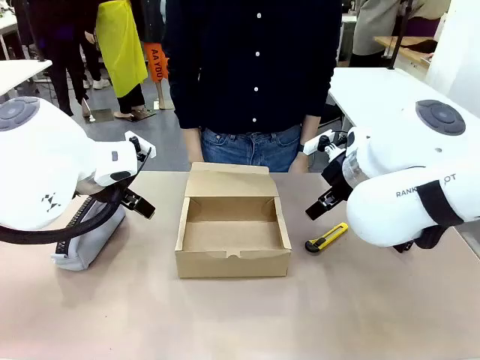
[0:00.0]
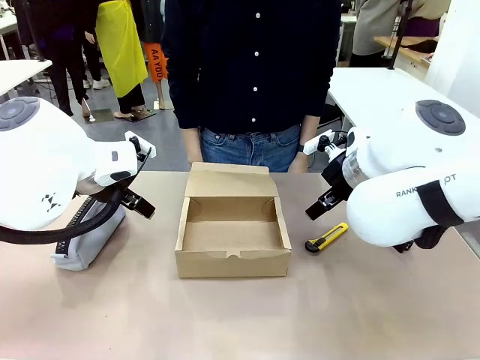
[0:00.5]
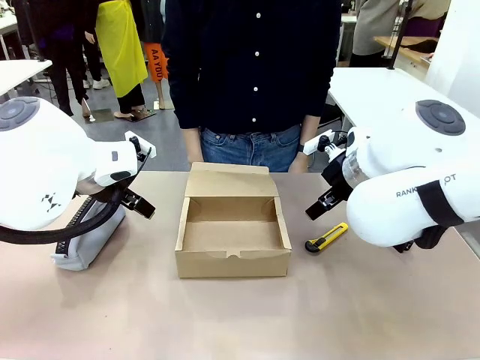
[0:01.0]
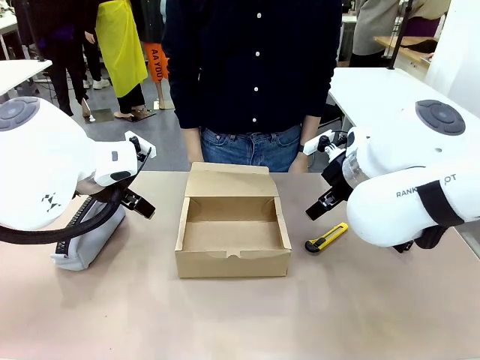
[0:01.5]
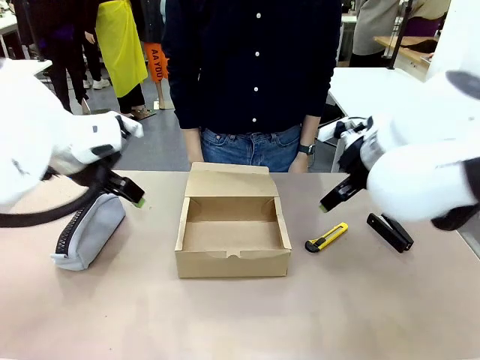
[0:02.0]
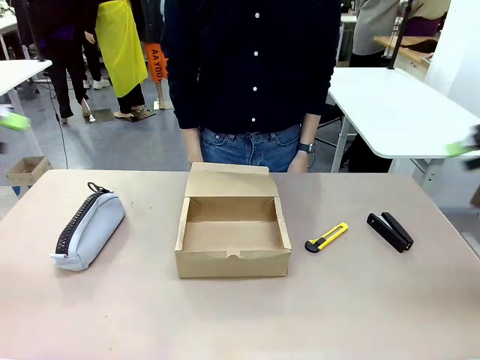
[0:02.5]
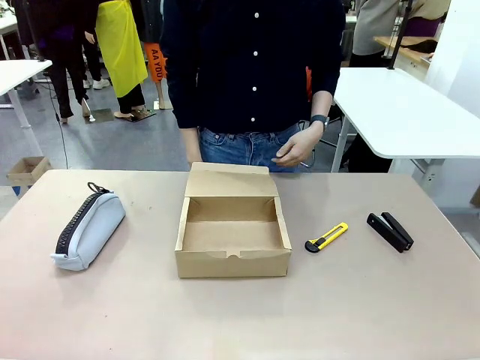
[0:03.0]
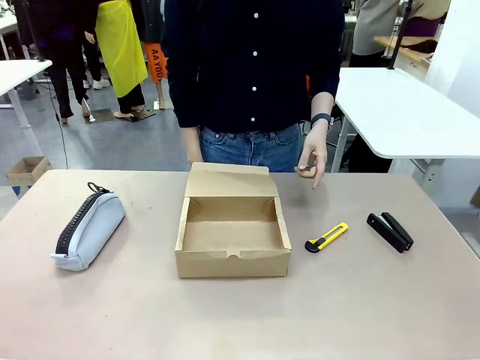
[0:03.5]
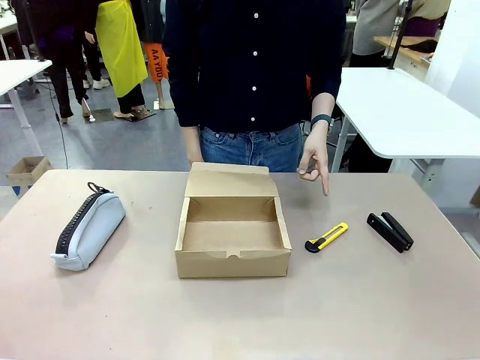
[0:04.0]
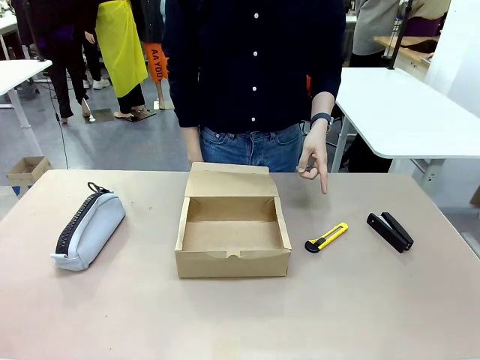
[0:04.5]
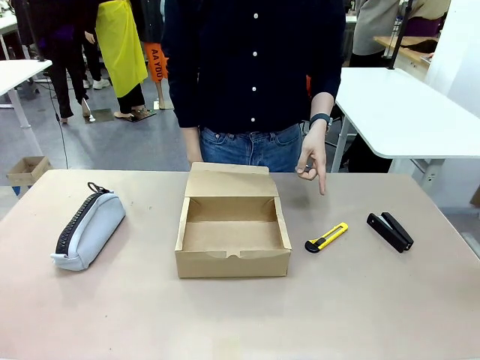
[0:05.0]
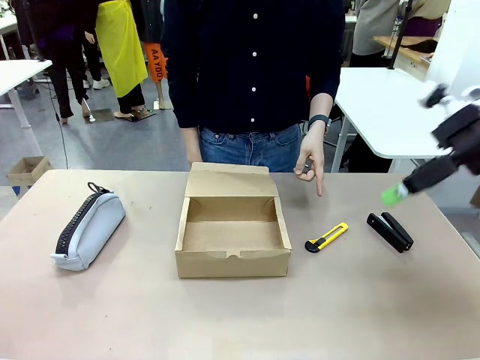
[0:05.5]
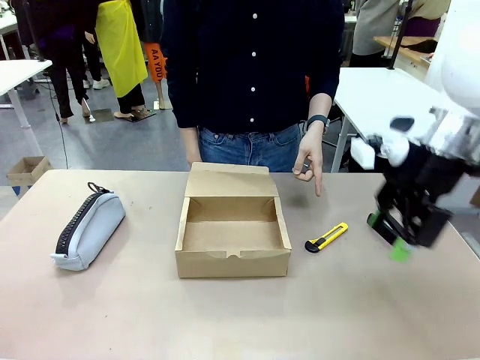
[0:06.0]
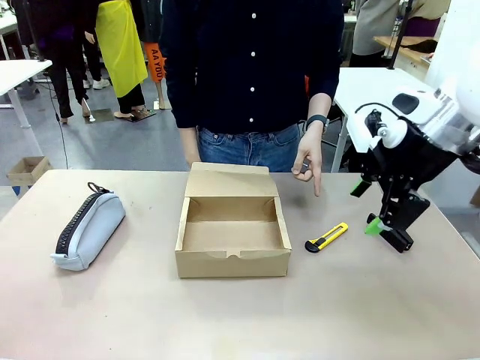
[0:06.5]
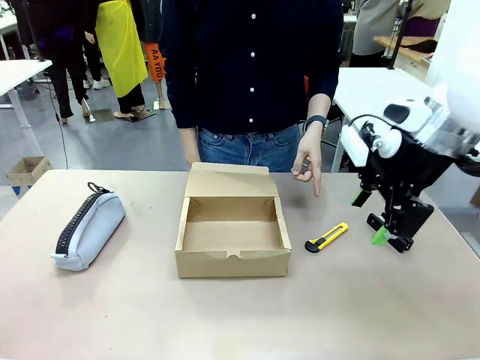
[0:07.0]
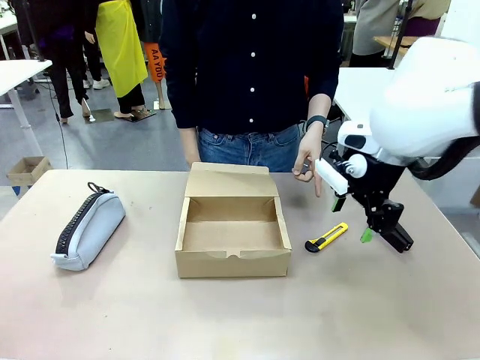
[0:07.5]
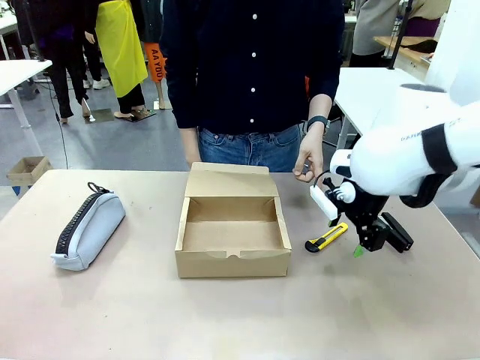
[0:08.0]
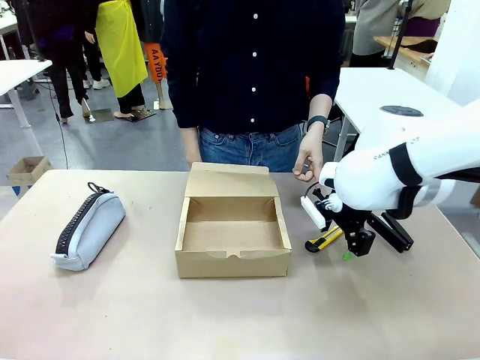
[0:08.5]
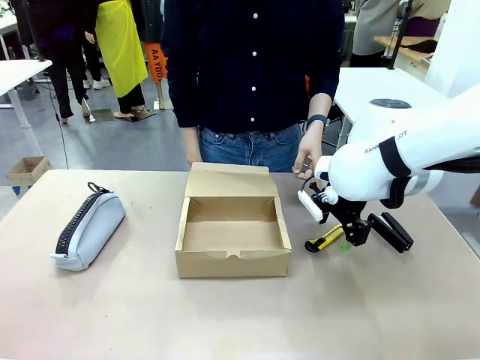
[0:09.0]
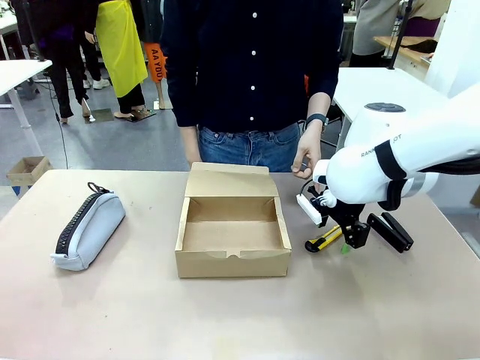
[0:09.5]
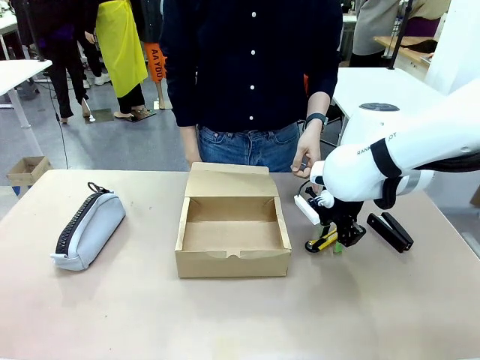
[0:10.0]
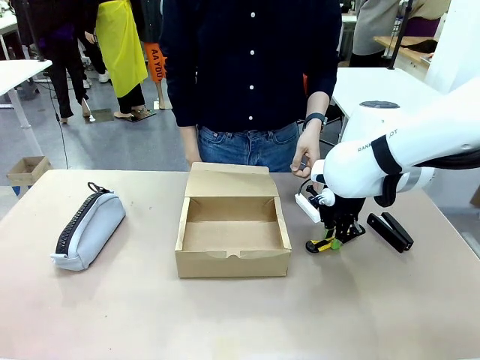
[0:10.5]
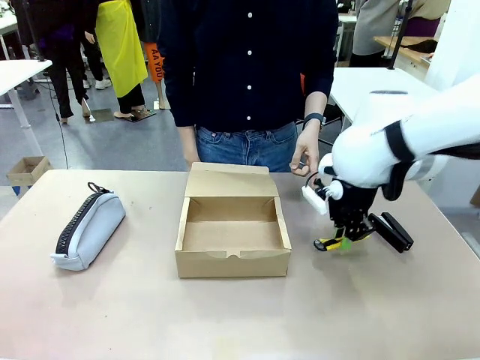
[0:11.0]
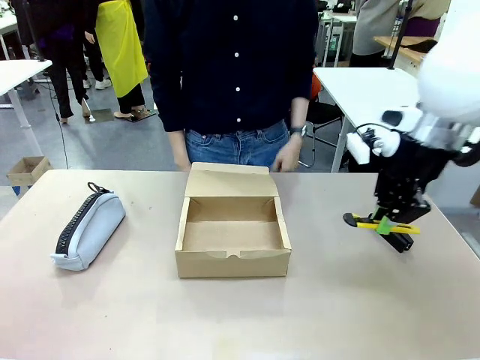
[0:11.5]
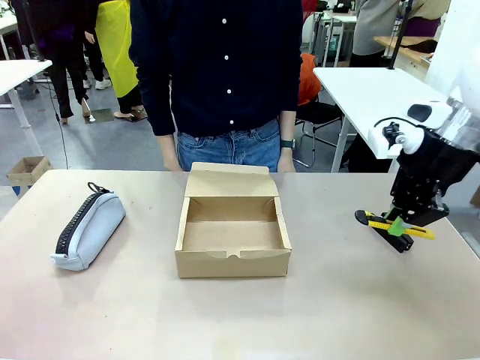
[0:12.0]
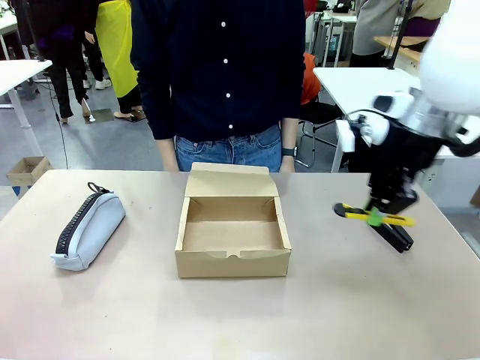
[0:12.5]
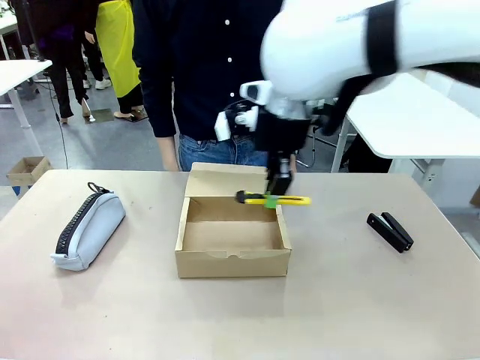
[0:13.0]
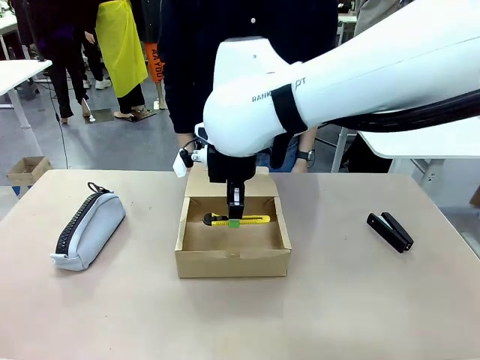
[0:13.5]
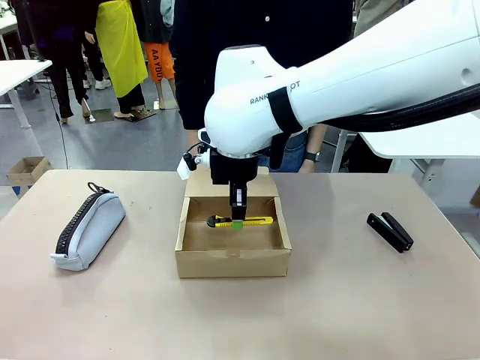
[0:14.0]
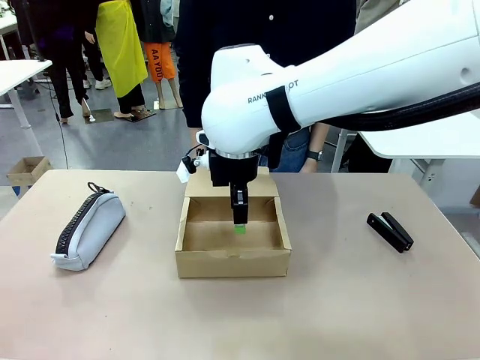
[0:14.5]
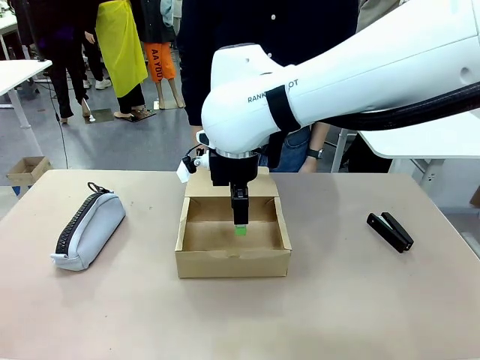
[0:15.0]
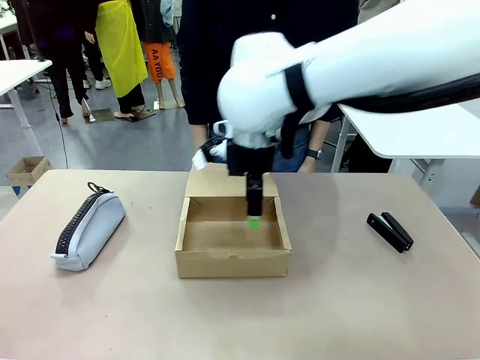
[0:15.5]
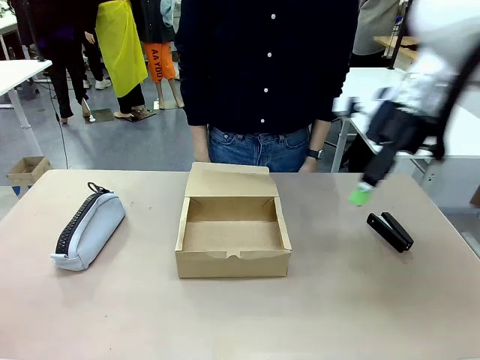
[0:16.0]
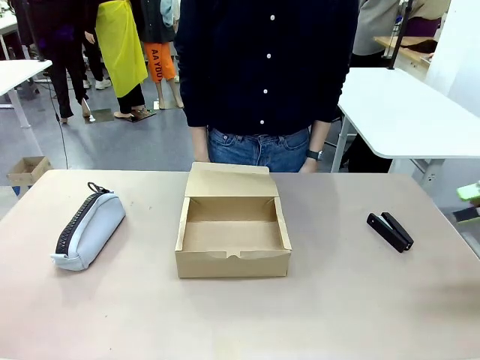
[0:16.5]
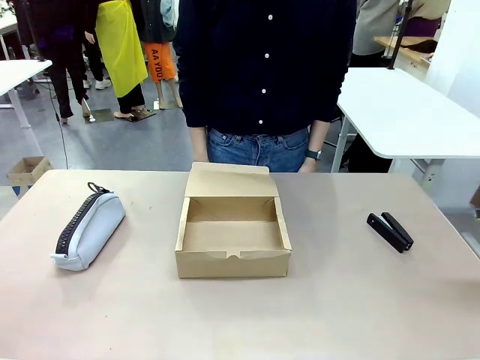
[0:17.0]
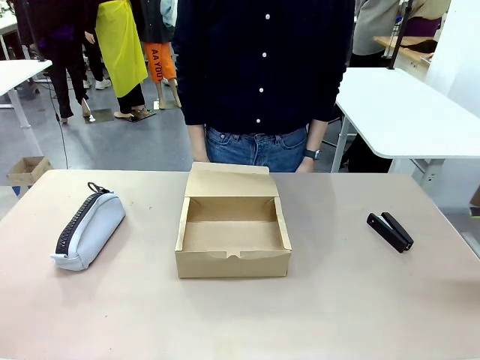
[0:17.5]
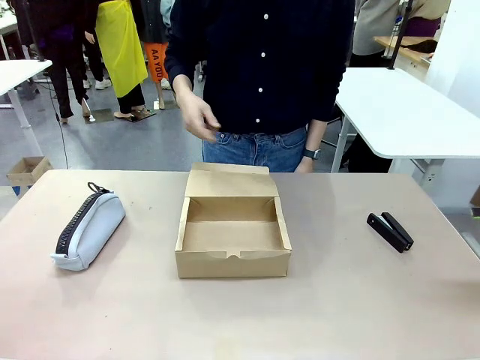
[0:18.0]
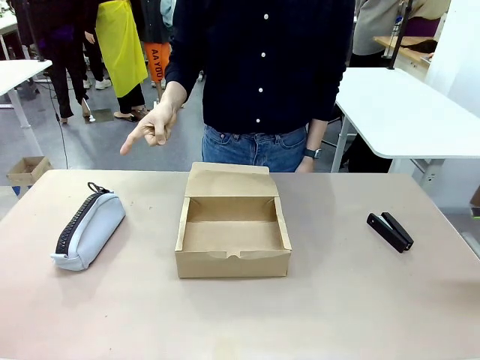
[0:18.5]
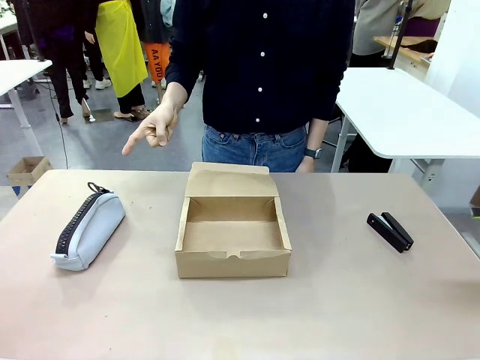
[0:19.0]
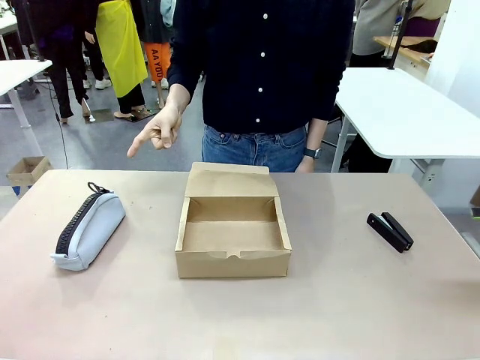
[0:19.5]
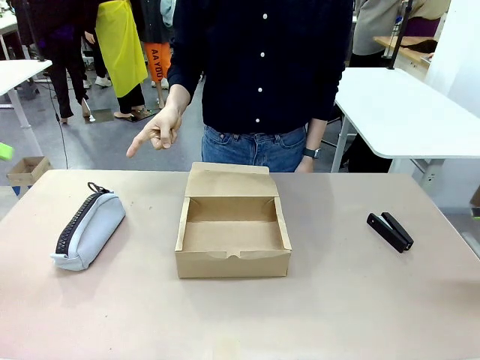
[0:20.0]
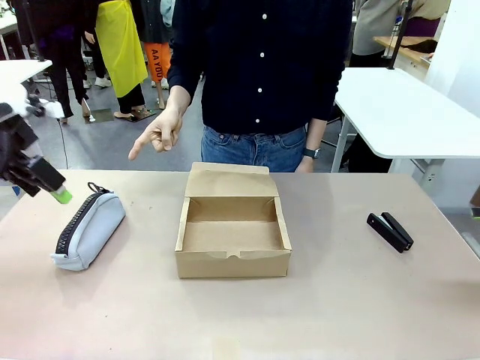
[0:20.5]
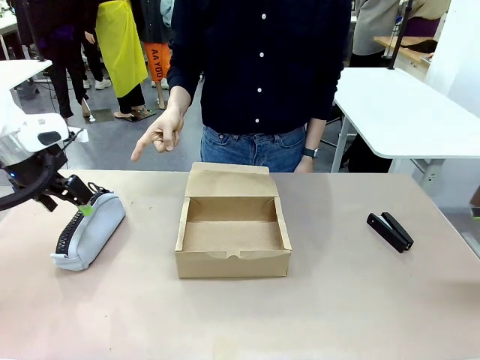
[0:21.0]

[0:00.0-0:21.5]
Task: Pack the items into the box.
Robot: Pick up the item indicated by the person and place it inside the Mailer Box.
Person: Point at one item on the table (excluding the box).

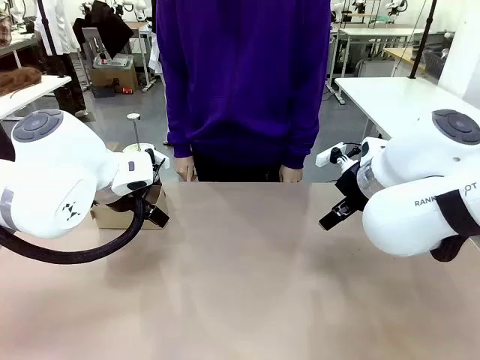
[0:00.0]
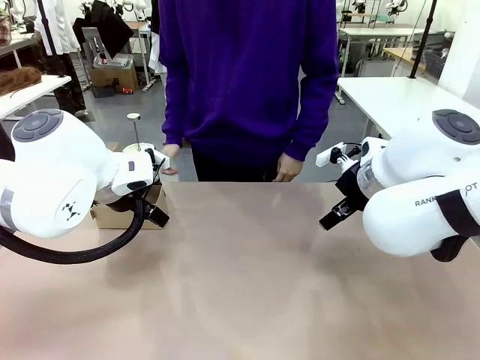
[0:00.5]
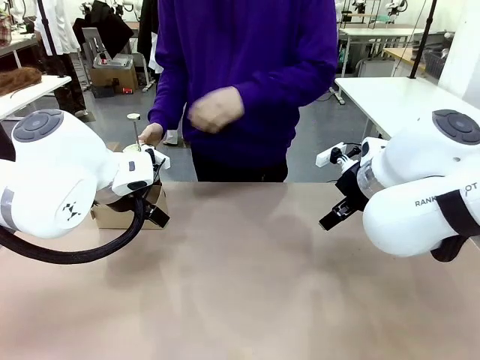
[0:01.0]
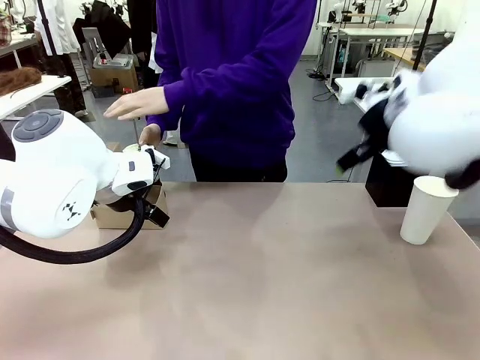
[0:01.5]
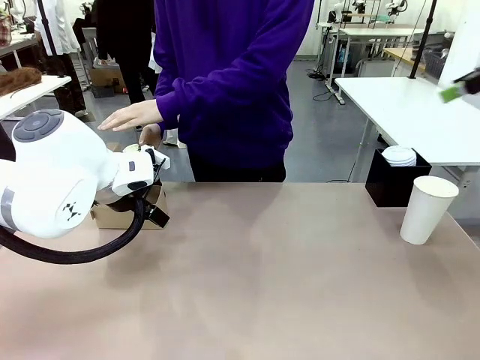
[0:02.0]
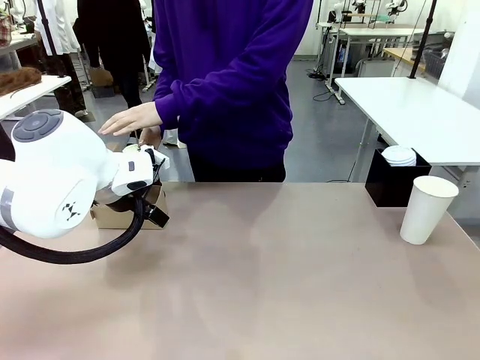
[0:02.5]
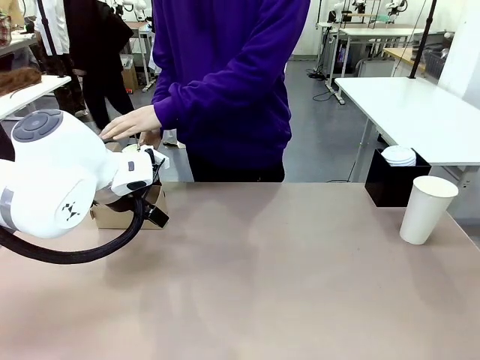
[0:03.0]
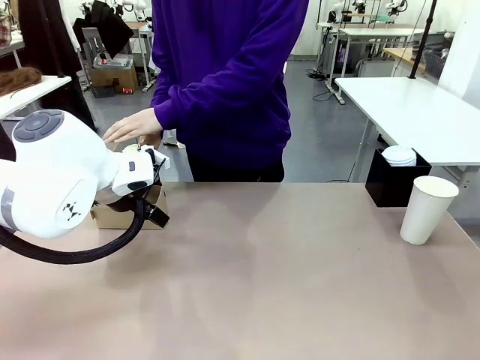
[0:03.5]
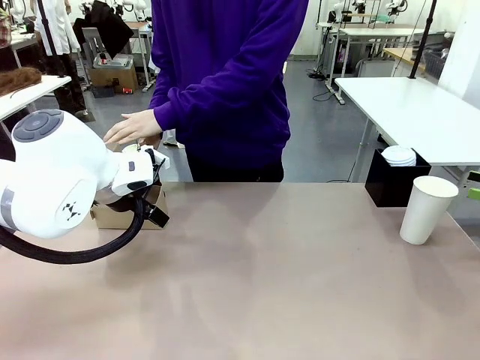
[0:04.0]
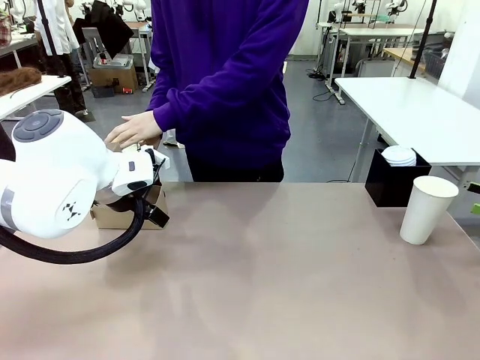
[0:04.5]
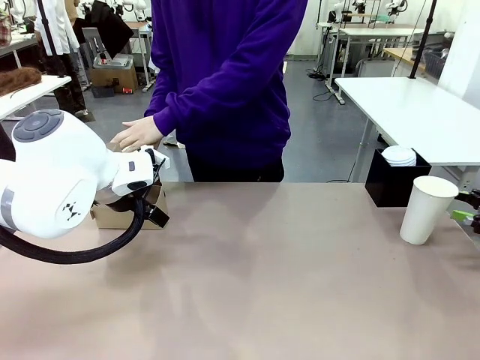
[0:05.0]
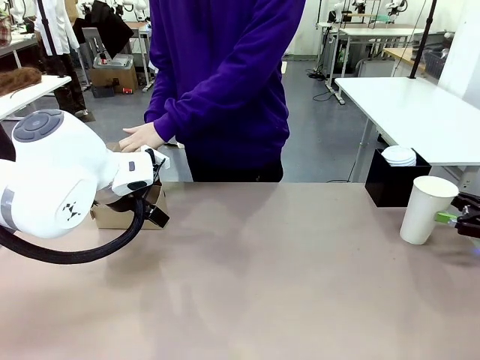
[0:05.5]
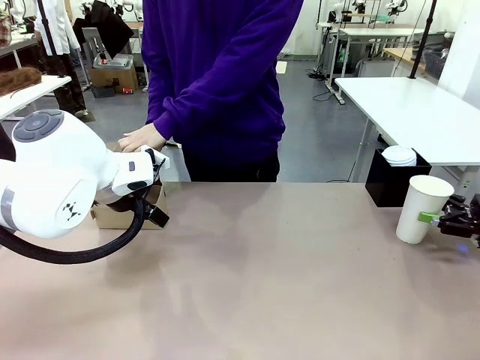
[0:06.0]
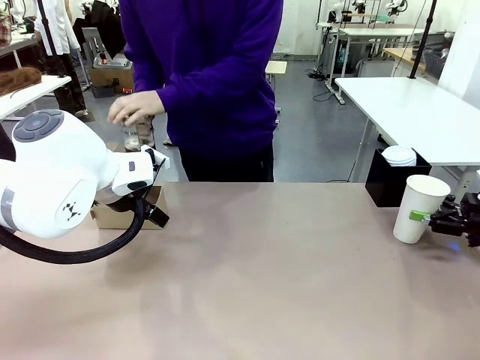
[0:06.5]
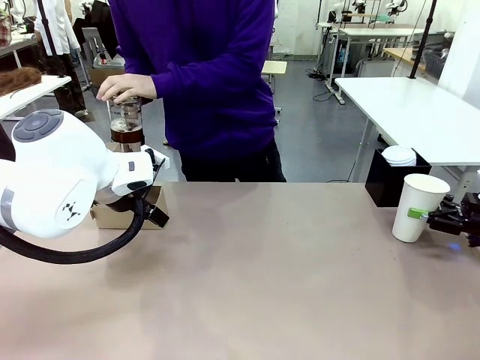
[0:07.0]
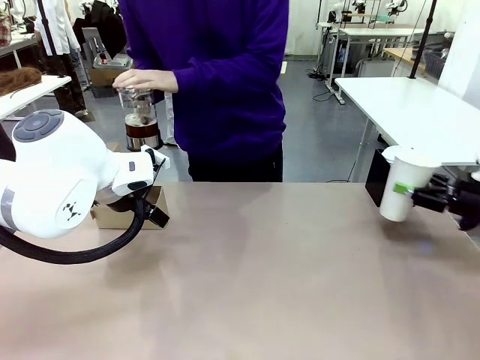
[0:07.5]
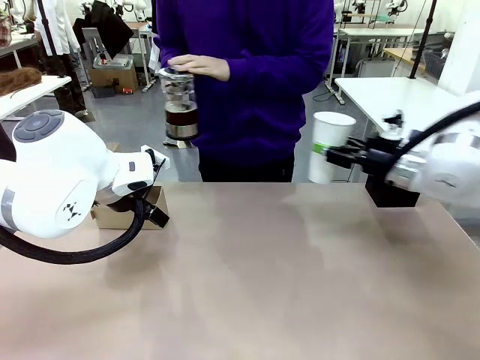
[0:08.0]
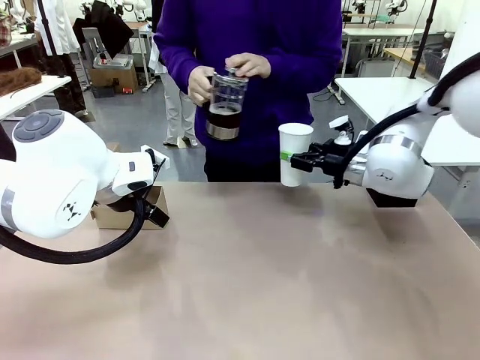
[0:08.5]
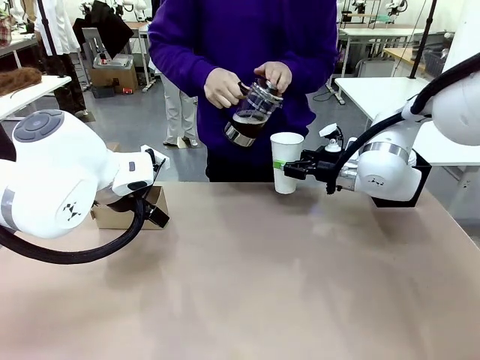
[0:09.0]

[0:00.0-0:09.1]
Task: Pour a drink into a cup and package it in a carrier.
Robot: Pick up the 600 ml Paper Cup and place it in the middle top area of the table.
Person: Press and pick up the Filter Brewing.
